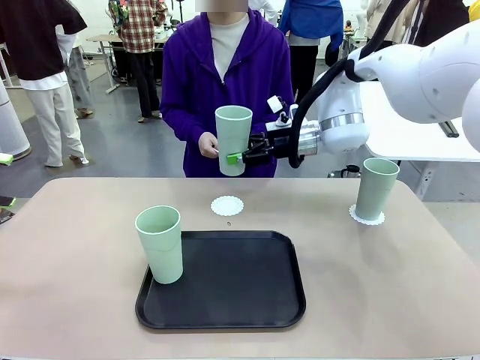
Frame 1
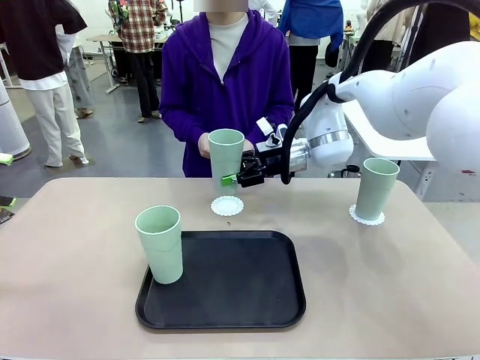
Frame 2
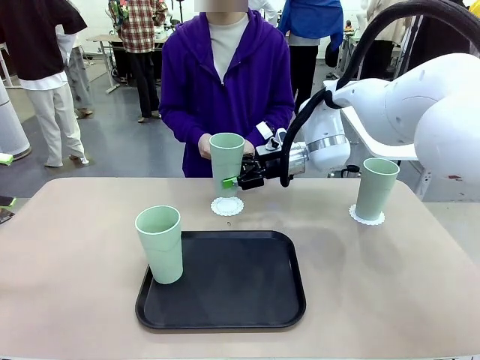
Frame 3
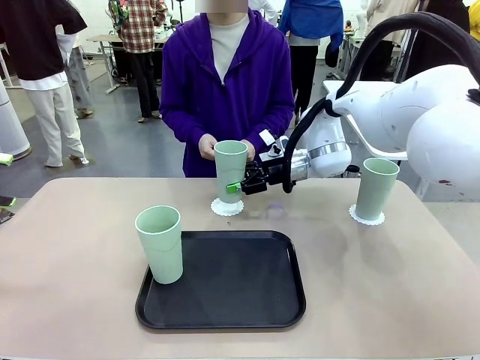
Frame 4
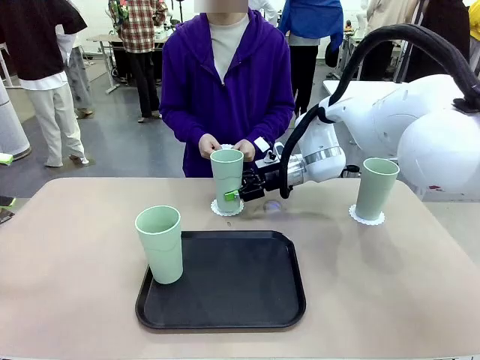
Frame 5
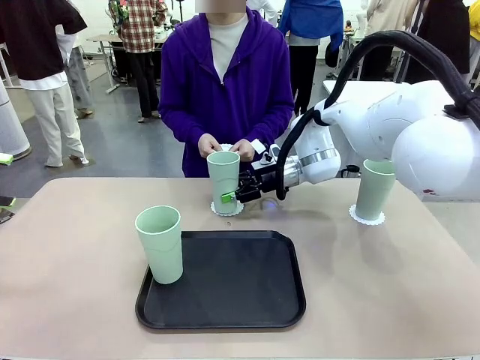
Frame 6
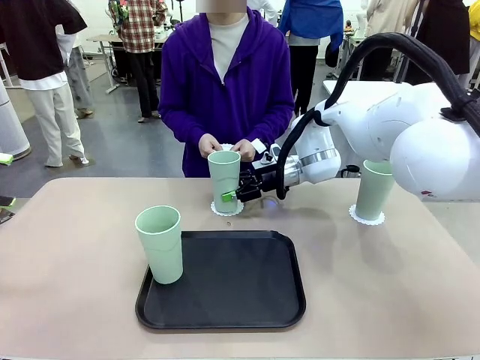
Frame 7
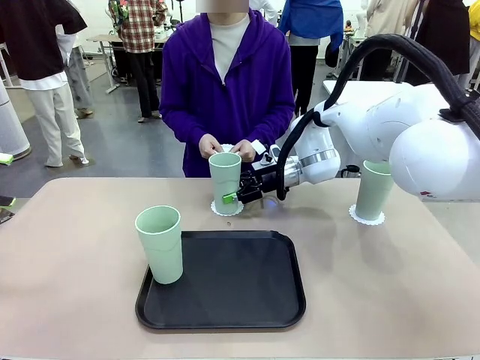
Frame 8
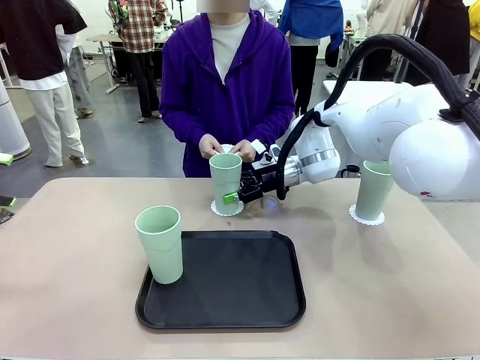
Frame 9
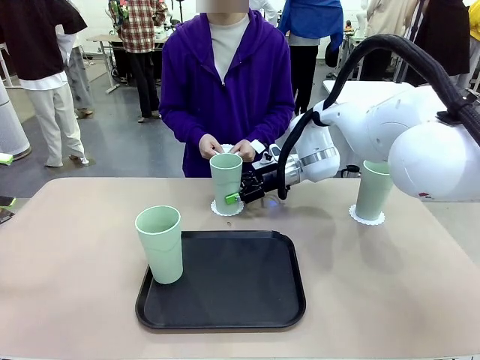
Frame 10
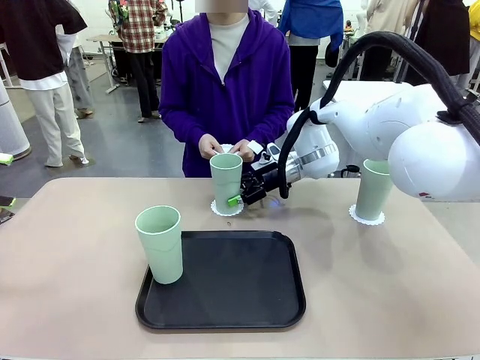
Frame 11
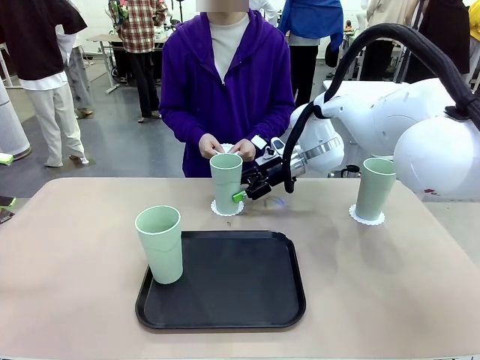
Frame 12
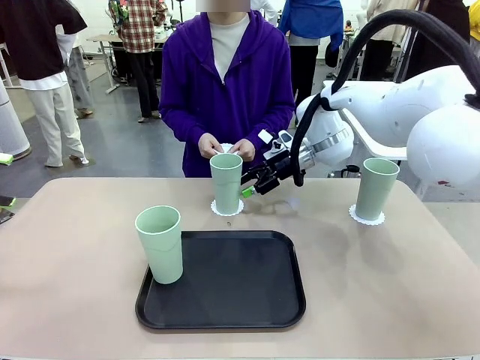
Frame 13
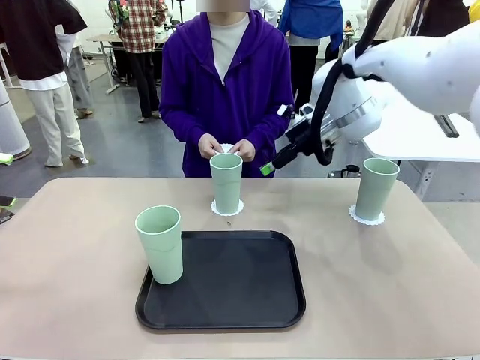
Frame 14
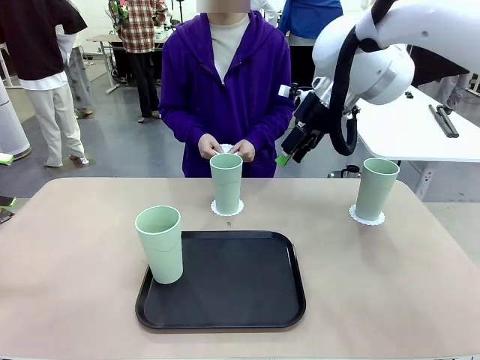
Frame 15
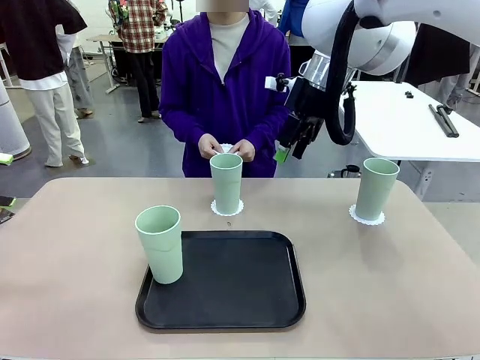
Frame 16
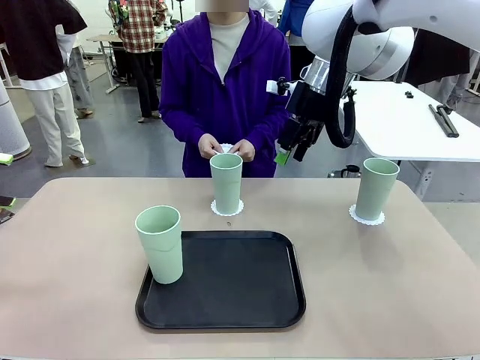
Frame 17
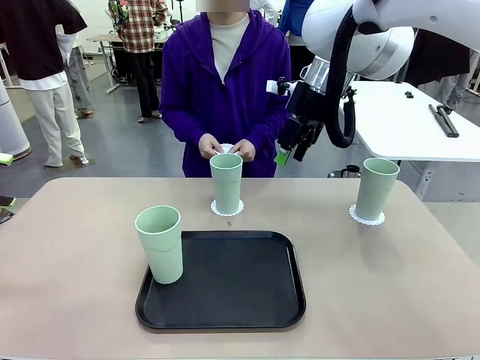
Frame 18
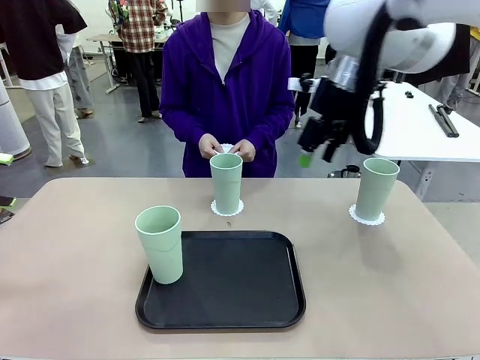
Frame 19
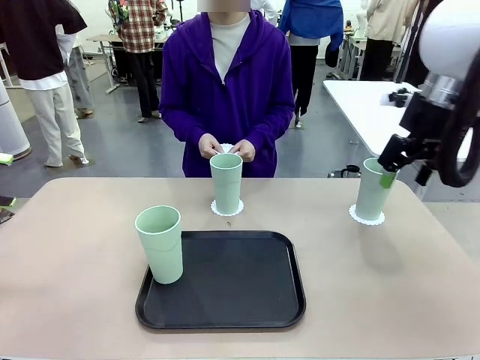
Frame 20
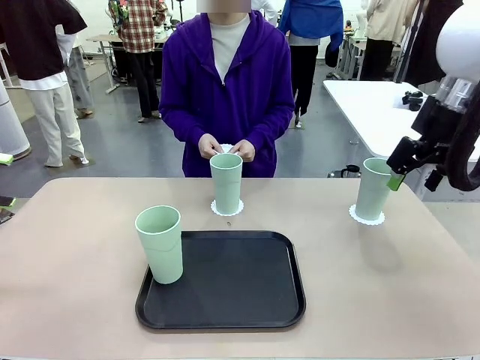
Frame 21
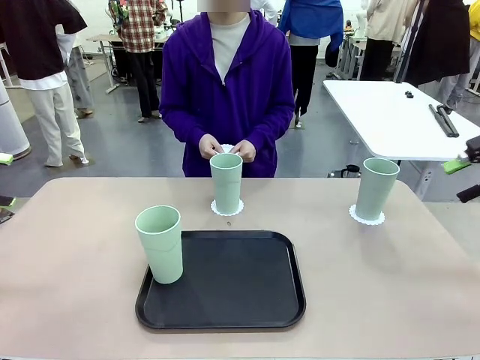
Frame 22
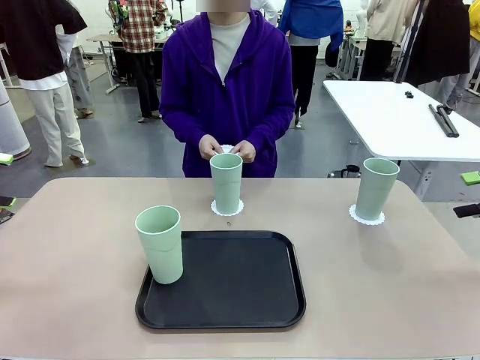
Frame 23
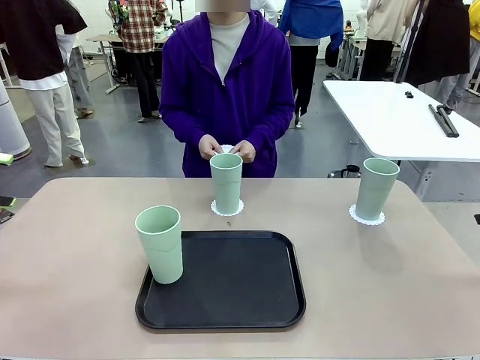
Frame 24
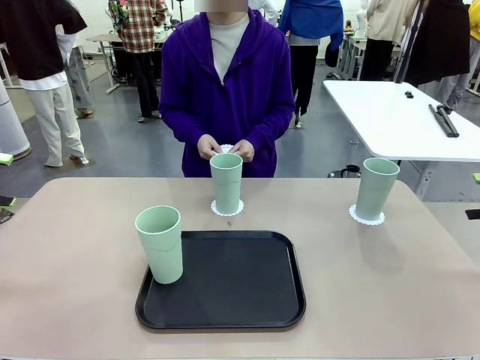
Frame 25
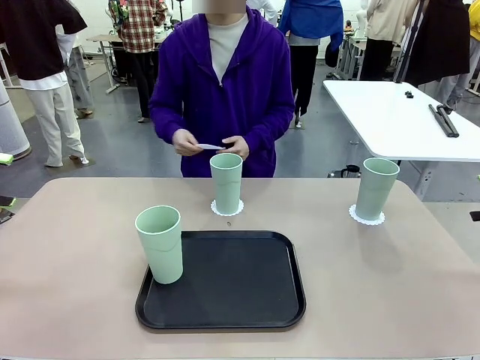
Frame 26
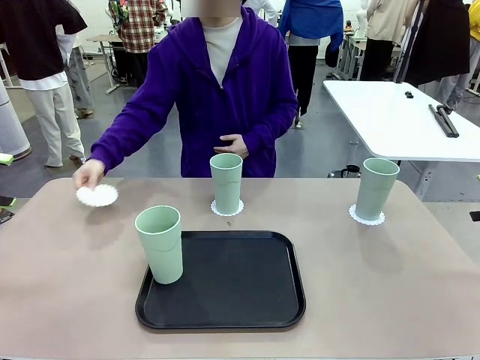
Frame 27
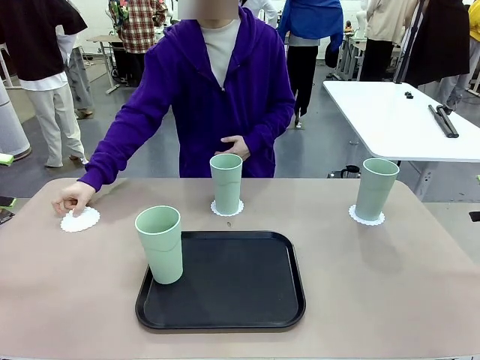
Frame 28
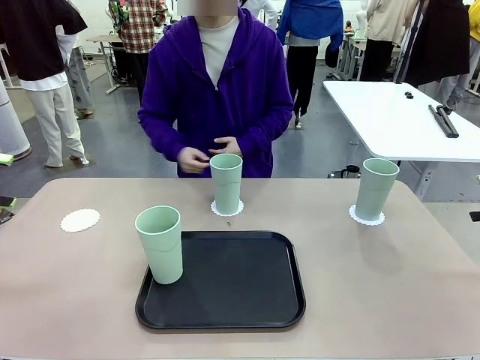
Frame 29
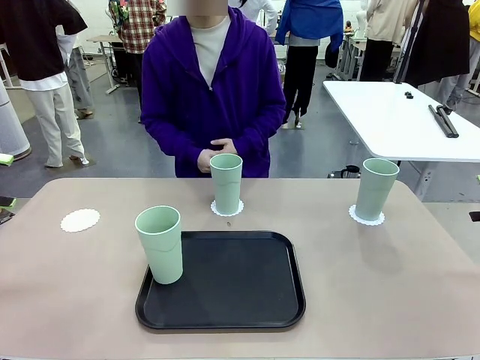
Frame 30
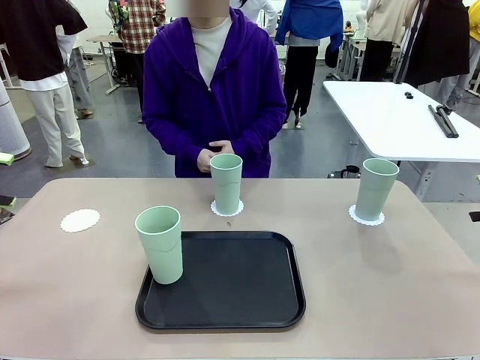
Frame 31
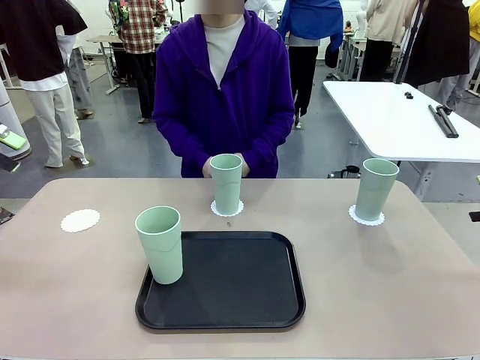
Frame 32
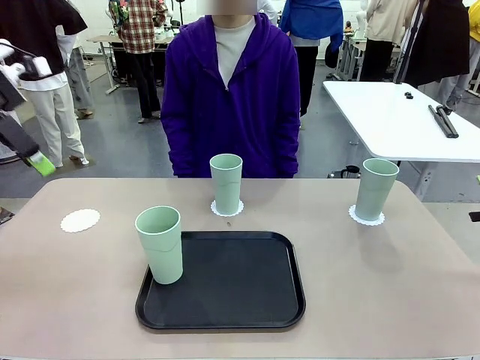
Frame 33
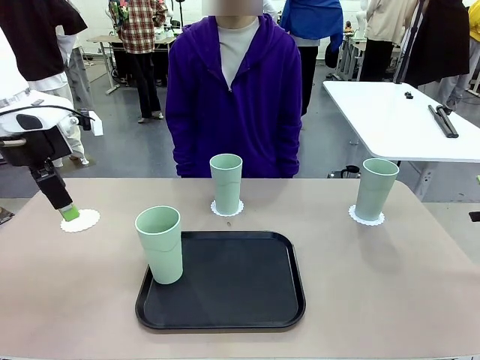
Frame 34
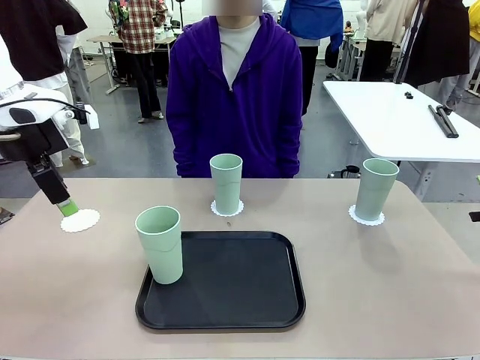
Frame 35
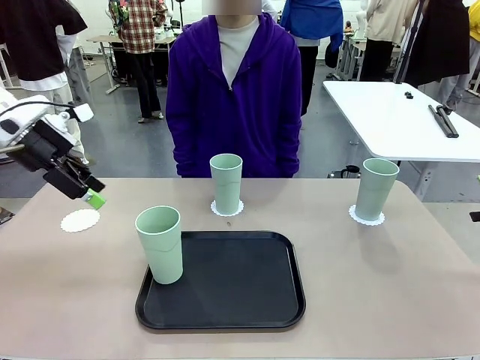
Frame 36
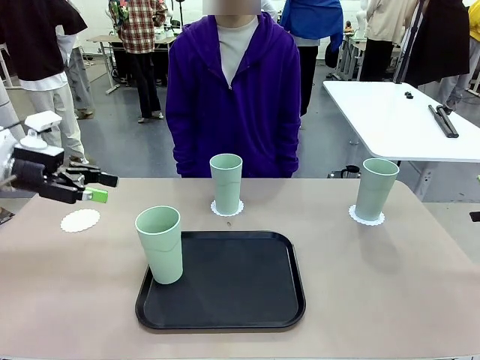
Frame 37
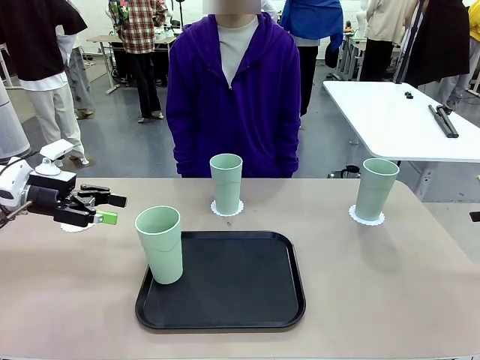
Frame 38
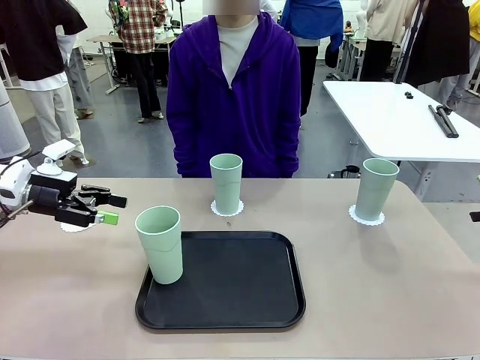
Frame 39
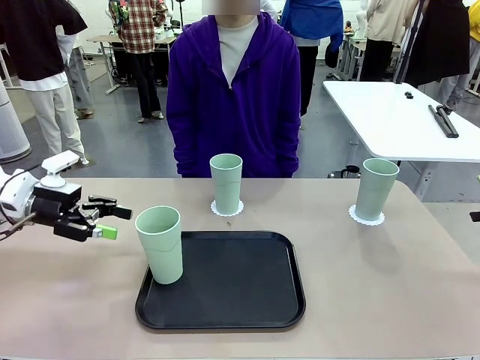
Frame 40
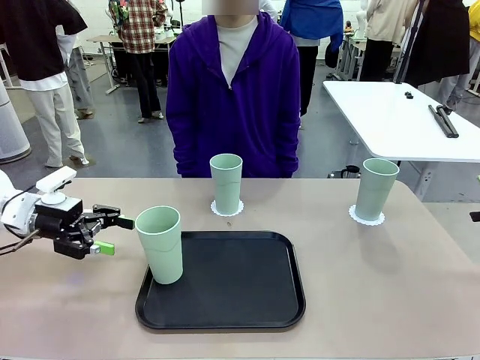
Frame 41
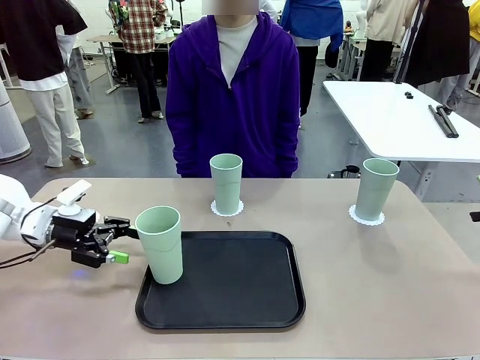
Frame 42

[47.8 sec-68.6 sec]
Task: Place coasters on the table and set cups on them.
Robot: Take one Reusable plastic cup from the Flat Tray and place it on a coaster set by the human.

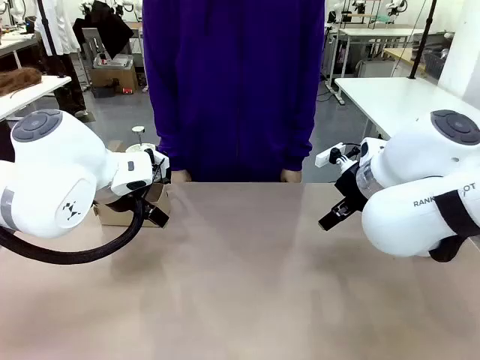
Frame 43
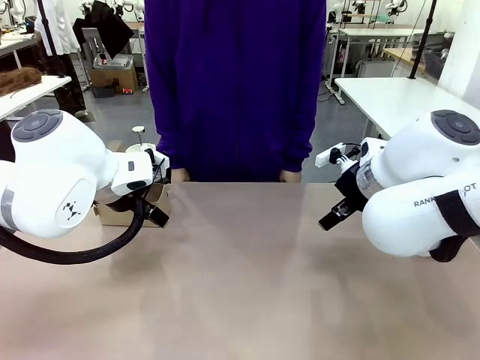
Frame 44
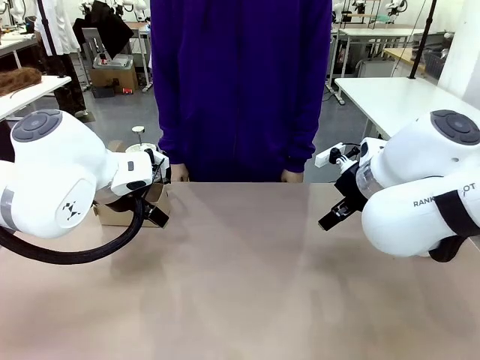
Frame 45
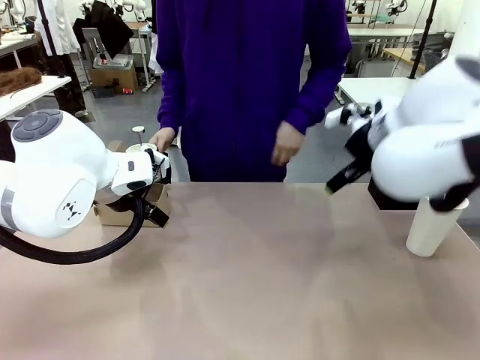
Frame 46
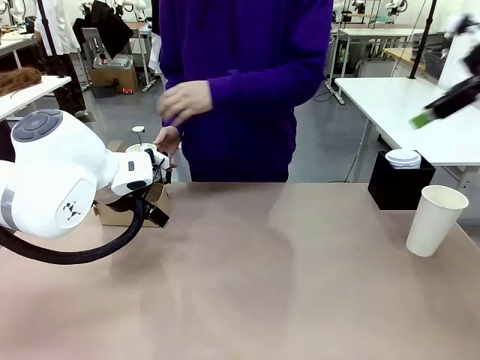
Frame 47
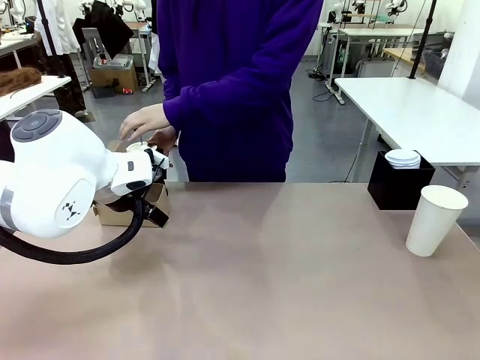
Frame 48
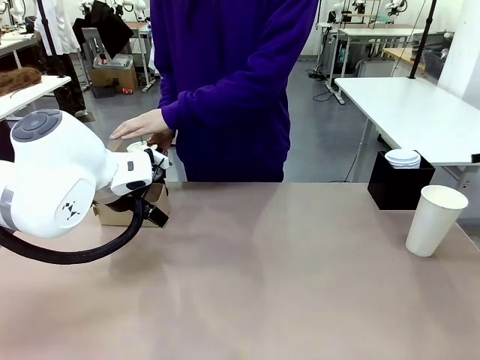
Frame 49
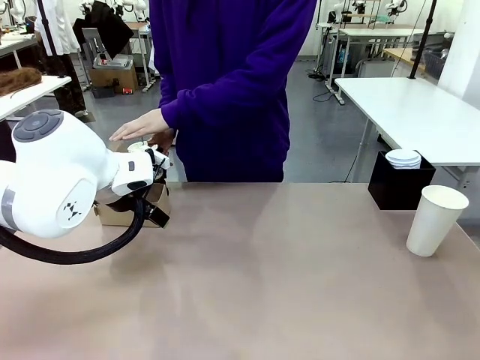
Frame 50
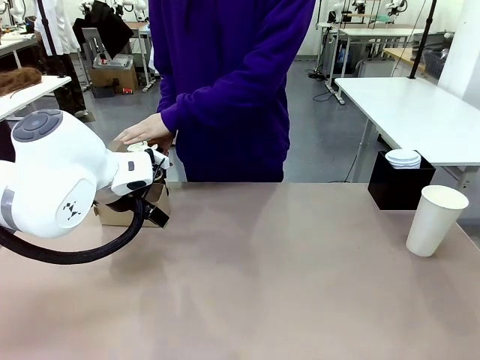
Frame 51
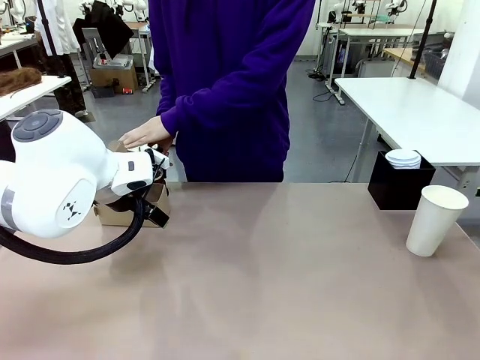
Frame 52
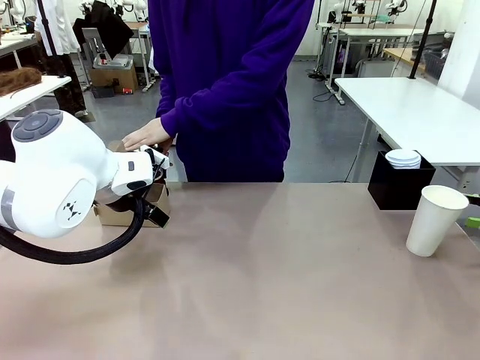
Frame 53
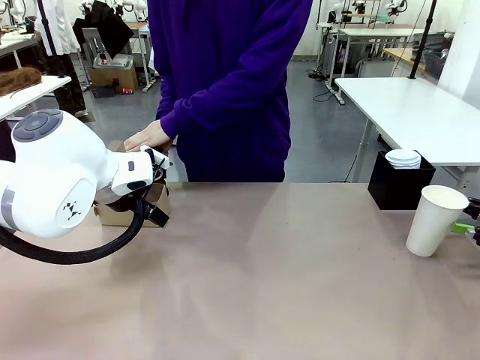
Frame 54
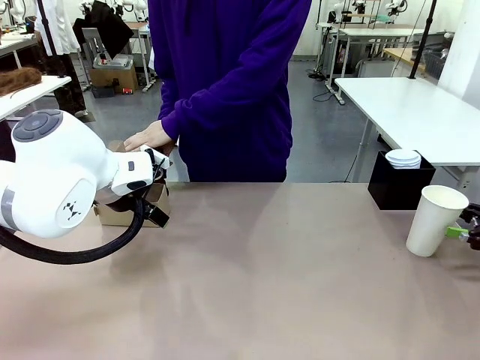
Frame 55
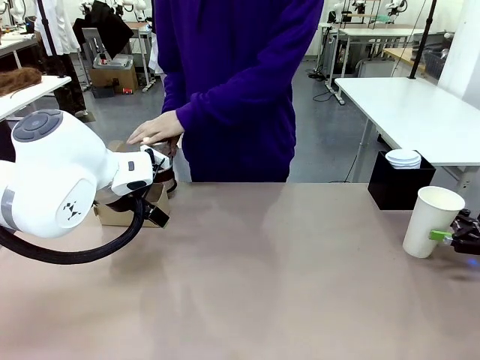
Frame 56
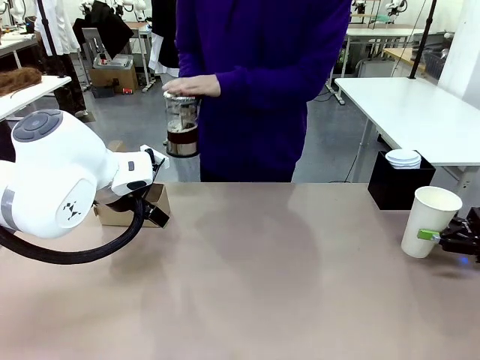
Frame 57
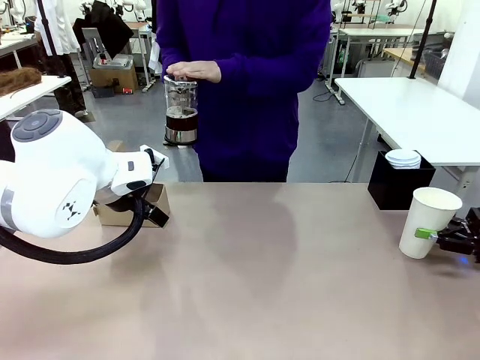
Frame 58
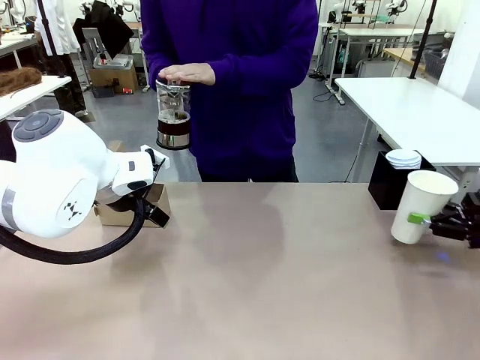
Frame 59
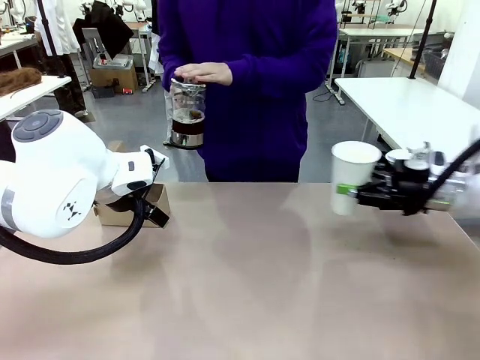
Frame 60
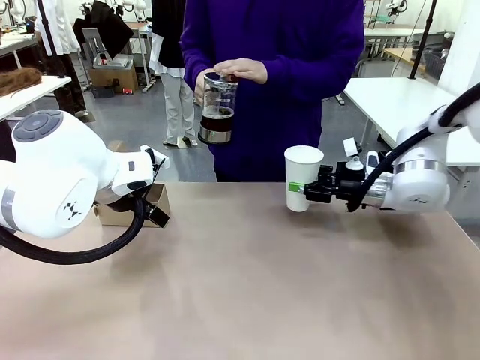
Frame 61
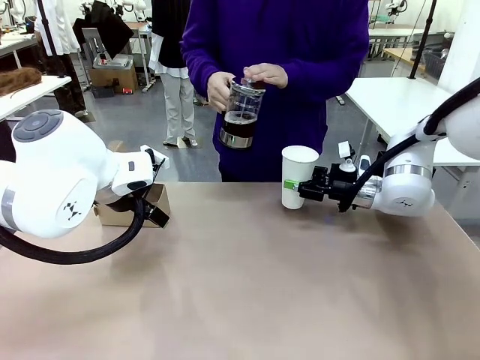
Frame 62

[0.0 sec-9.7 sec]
Task: Pour a drink into a cup and package it in a carrier.
Robot: Pick up the 600 ml Paper Cup and place it in the middle top area of the table.
Person: Press and pick up the Filter Brewing.
